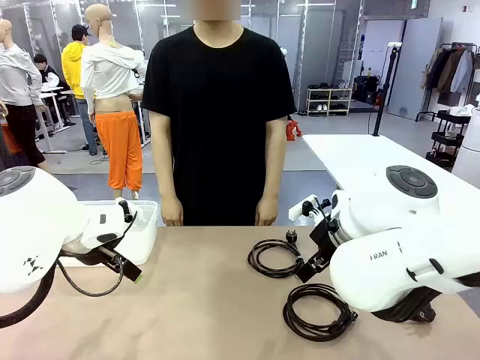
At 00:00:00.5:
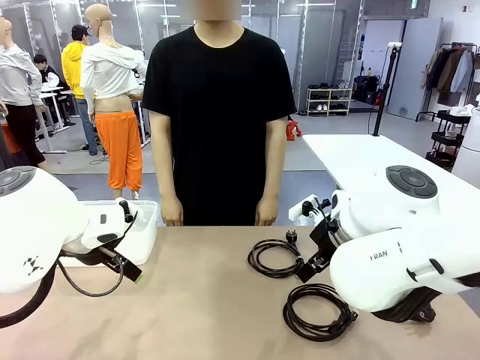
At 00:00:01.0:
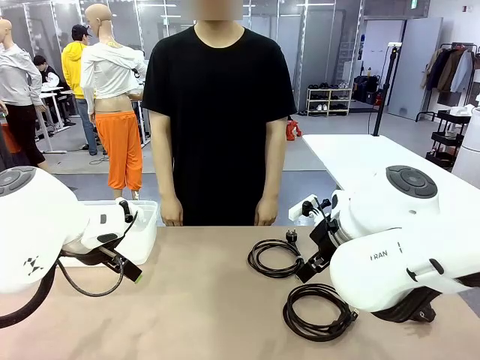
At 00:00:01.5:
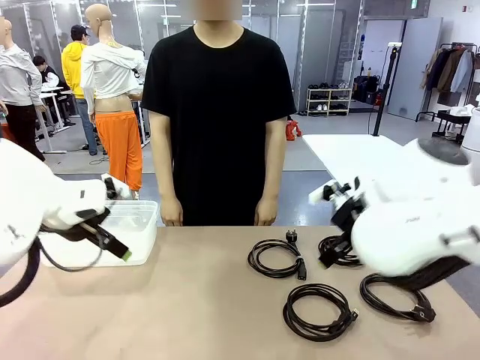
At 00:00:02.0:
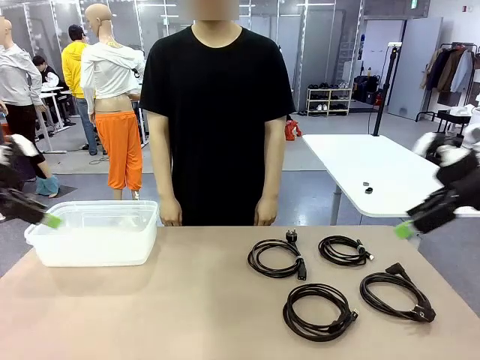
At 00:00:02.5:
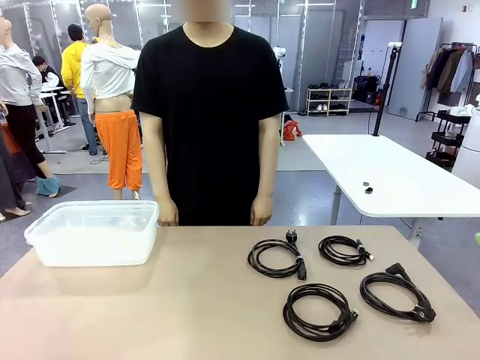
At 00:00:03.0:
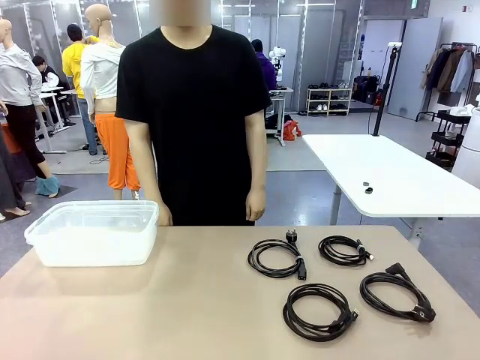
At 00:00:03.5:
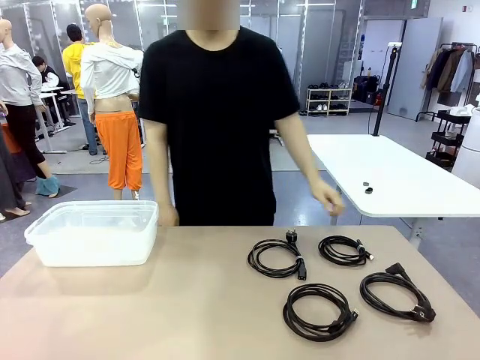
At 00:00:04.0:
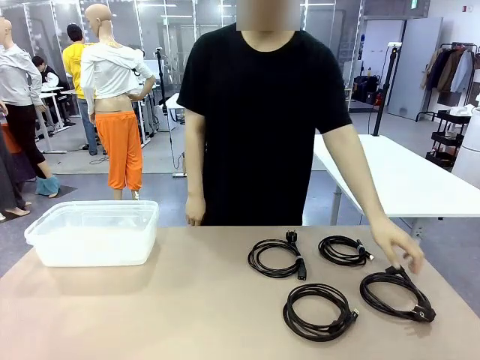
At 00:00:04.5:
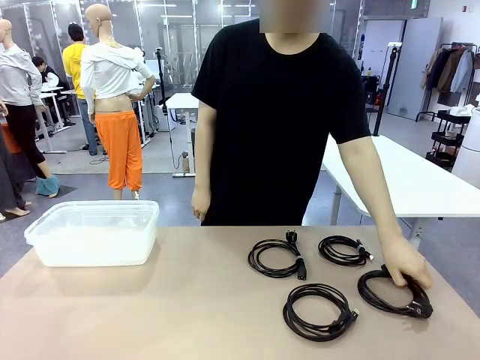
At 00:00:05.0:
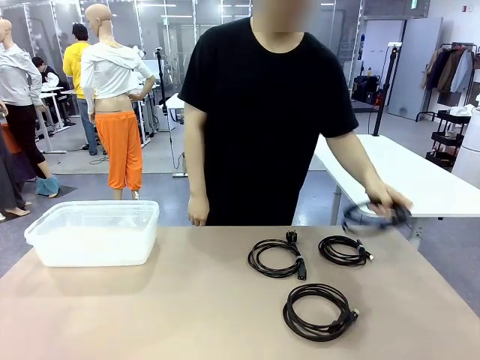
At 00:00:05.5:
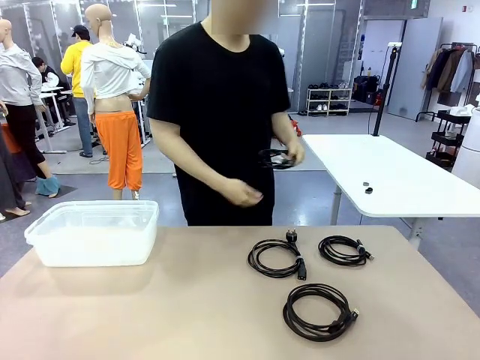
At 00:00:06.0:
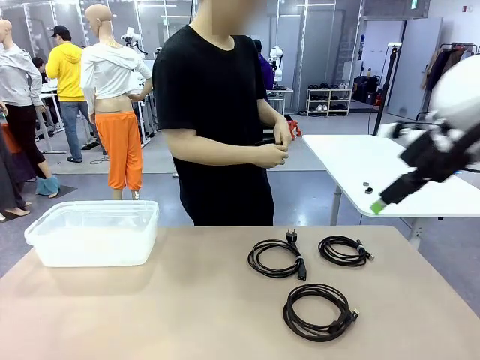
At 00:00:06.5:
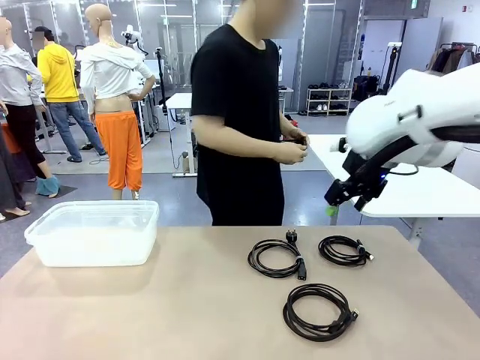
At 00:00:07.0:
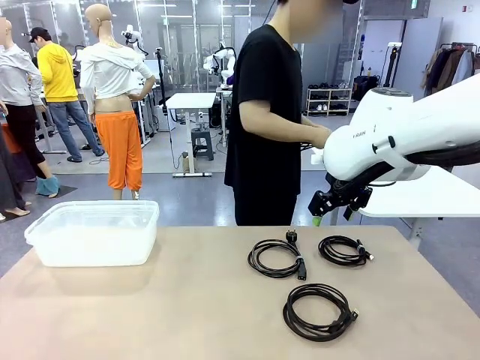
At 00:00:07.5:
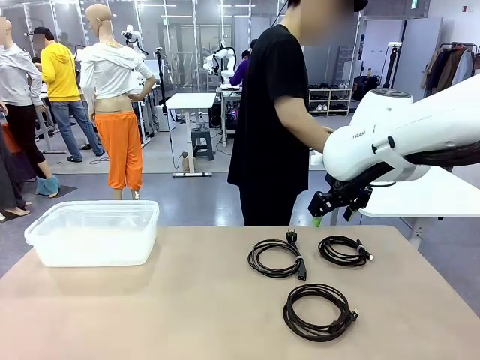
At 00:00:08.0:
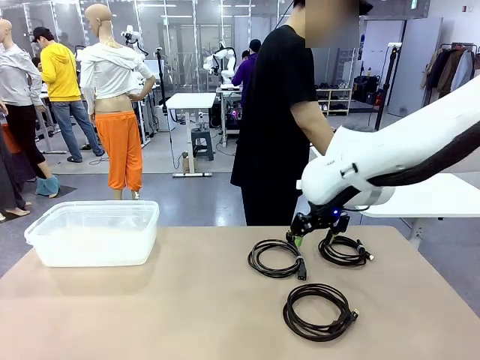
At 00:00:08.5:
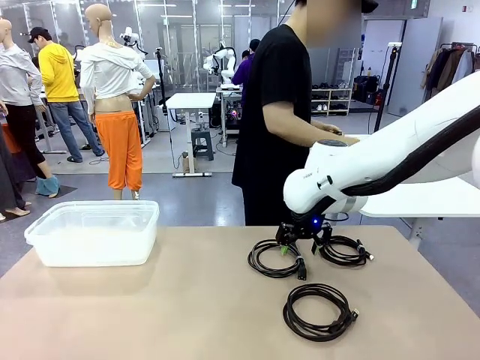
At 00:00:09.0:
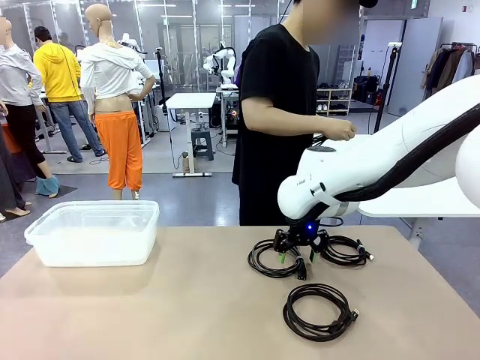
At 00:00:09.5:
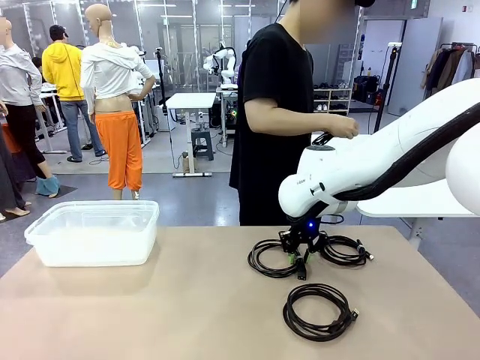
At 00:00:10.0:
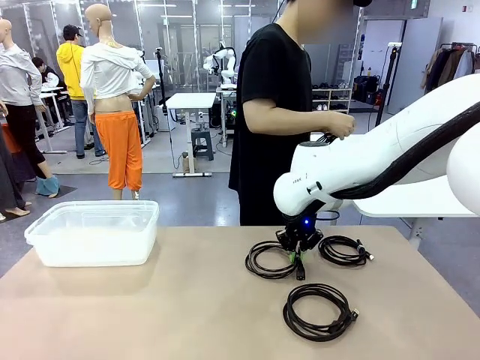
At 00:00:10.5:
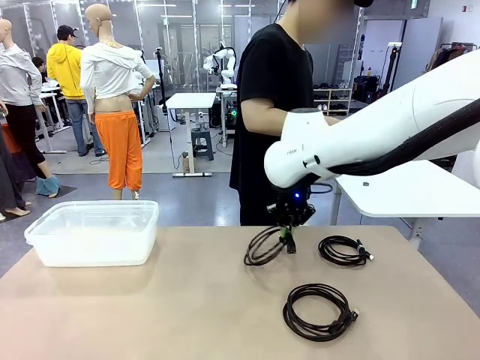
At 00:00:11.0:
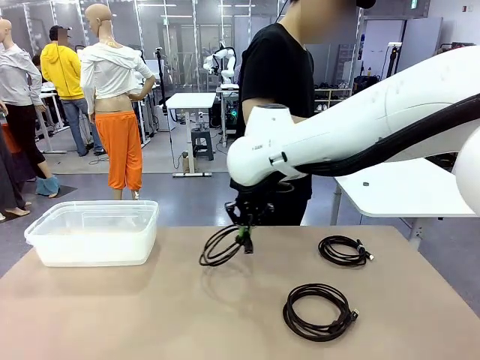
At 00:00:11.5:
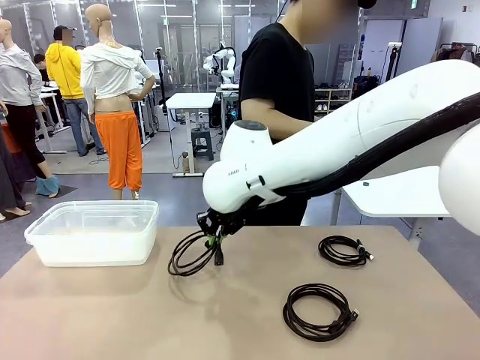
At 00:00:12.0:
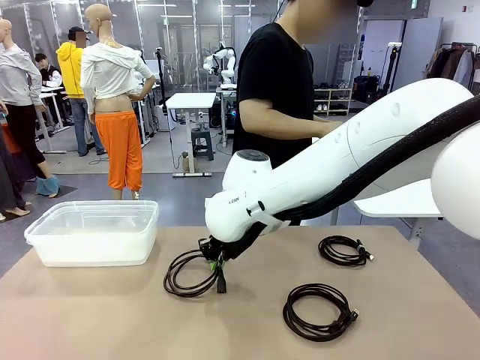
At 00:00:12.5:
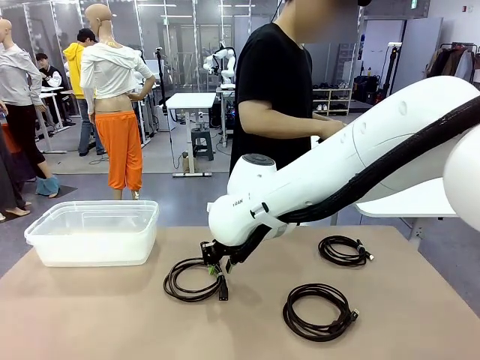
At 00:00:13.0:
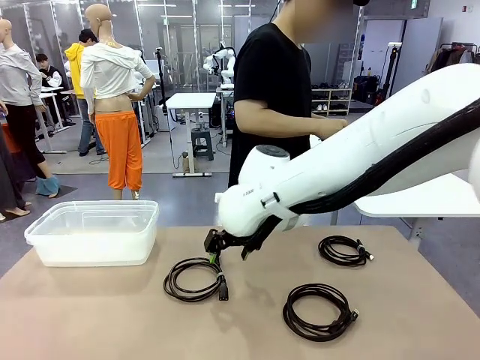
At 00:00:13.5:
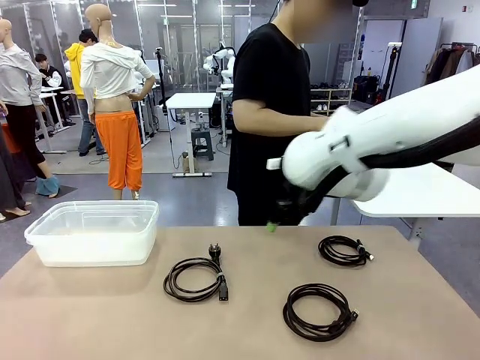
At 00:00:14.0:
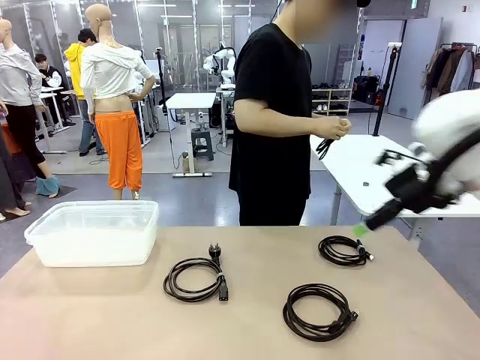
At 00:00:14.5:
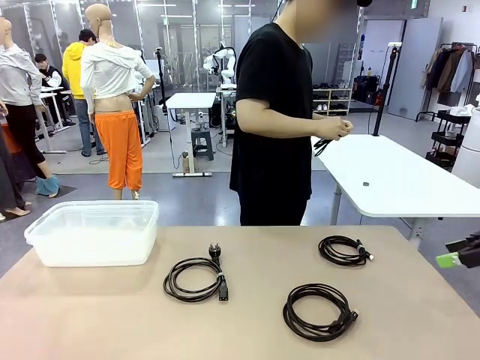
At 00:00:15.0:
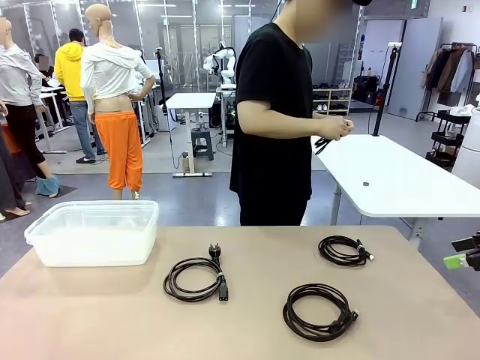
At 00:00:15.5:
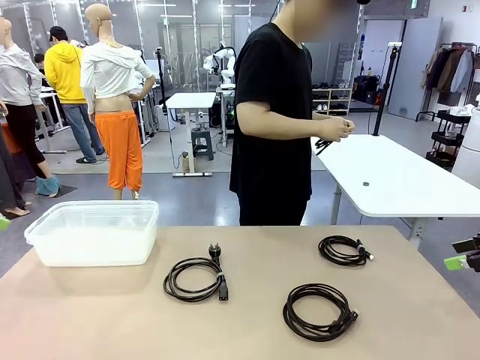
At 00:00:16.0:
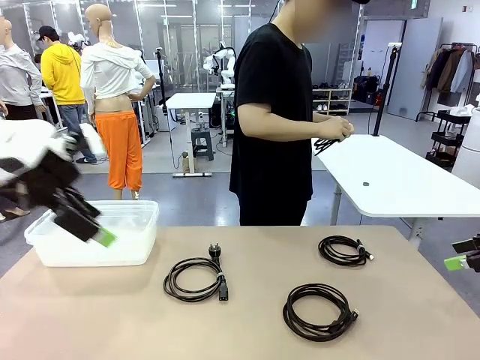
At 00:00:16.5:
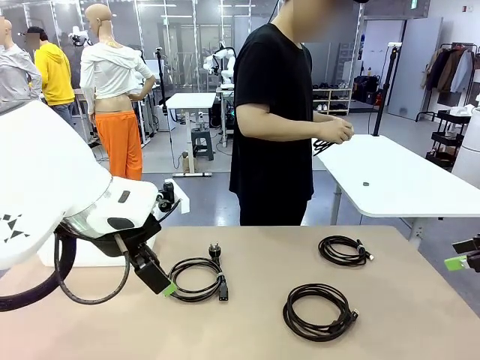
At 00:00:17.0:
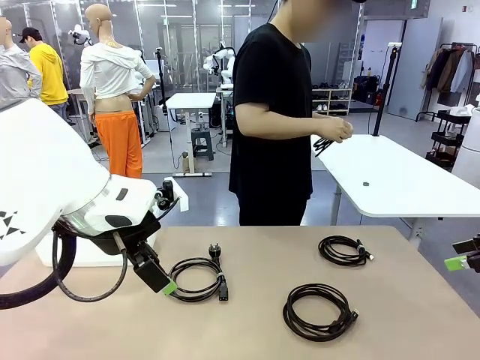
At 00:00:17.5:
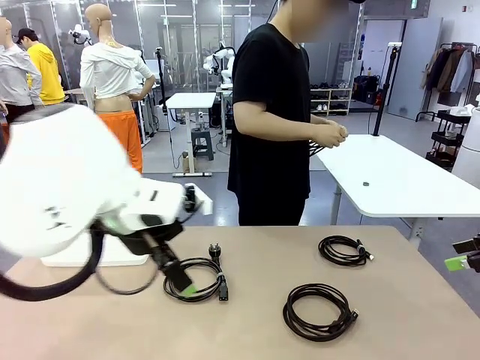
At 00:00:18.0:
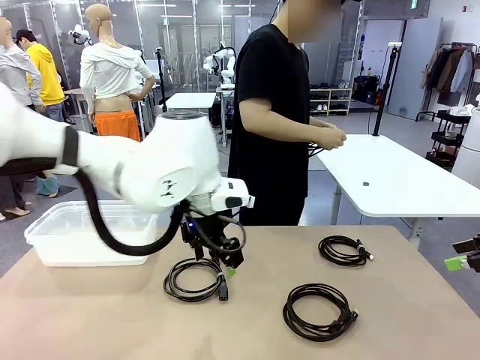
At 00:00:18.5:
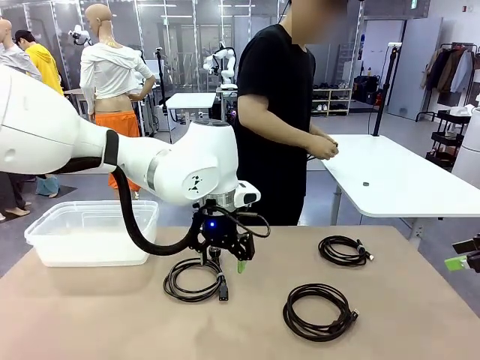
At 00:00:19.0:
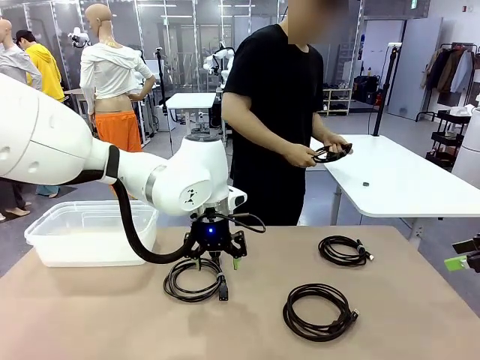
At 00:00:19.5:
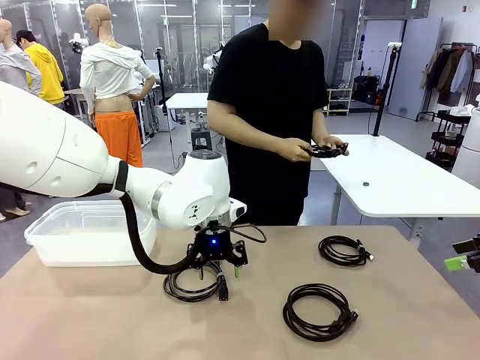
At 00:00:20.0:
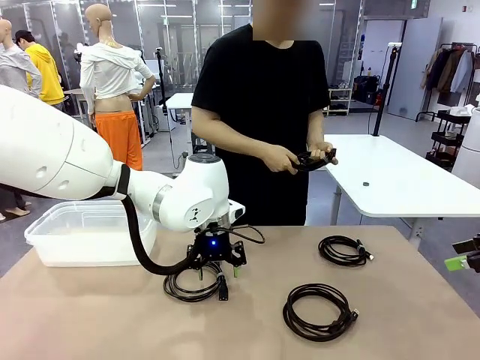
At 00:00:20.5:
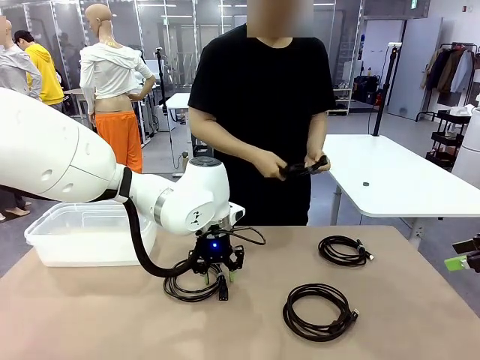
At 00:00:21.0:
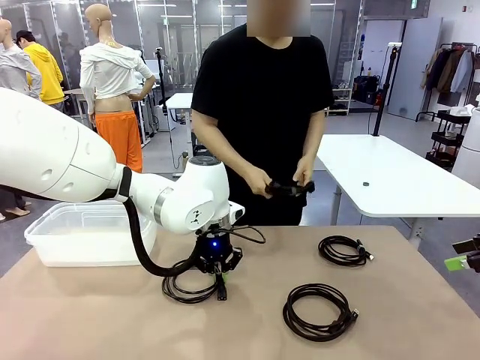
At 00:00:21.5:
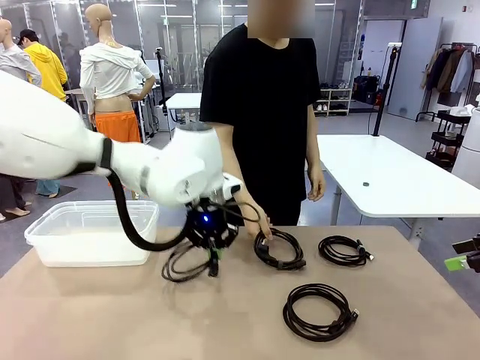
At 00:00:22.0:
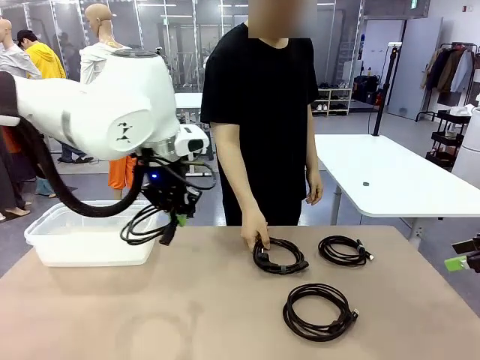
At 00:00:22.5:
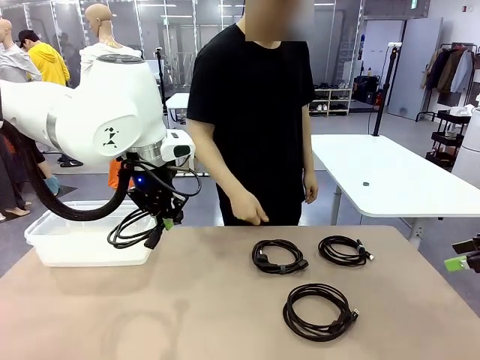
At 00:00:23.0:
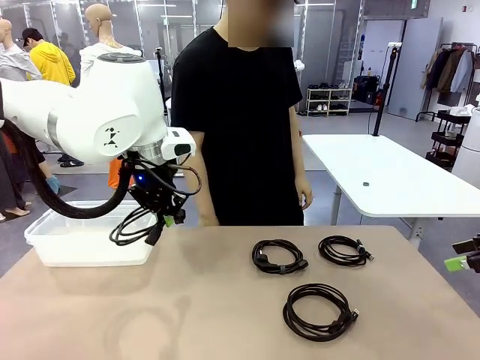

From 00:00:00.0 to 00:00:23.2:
Task: Organize and store the cables.
Robot: Place the Power Cable into the Organizing box.
Person: Tie one Power Cable with a Reusable Cable Tie.
